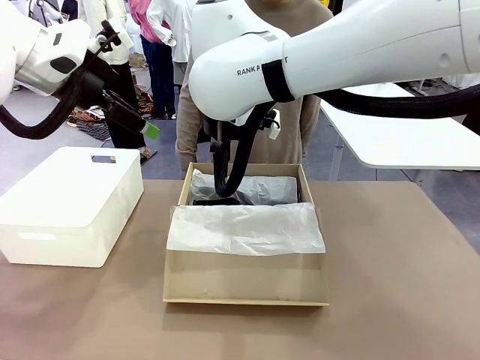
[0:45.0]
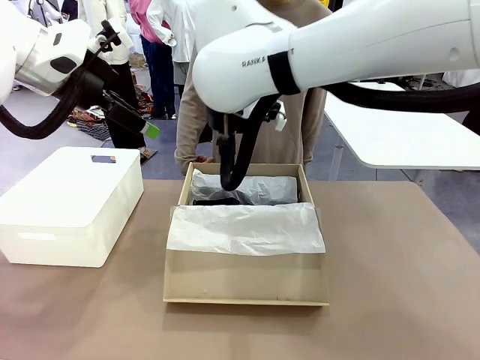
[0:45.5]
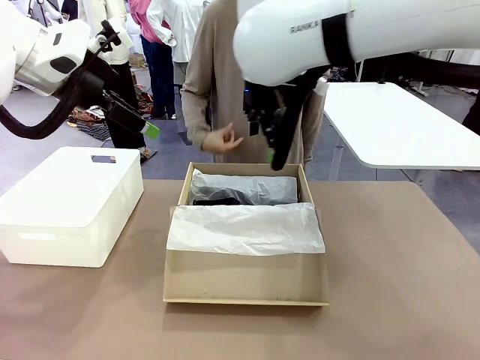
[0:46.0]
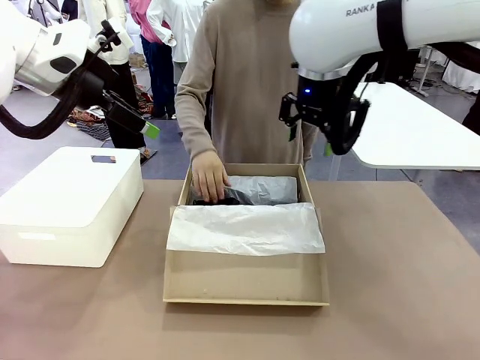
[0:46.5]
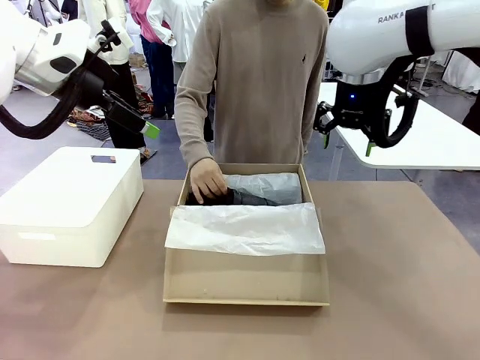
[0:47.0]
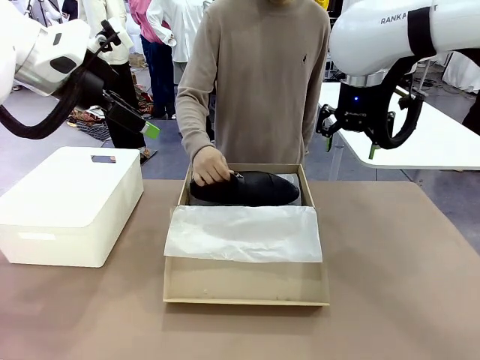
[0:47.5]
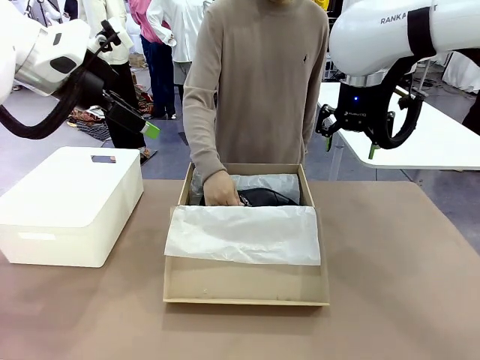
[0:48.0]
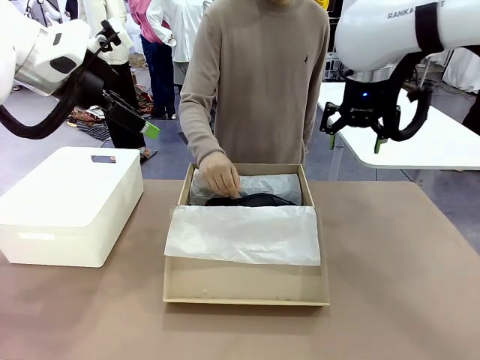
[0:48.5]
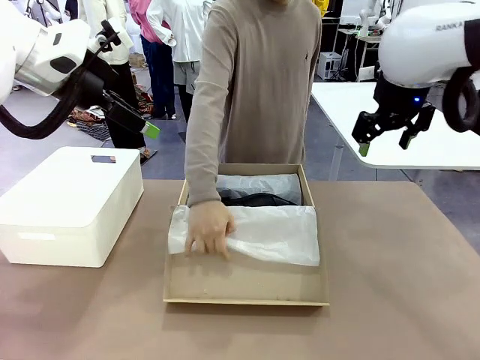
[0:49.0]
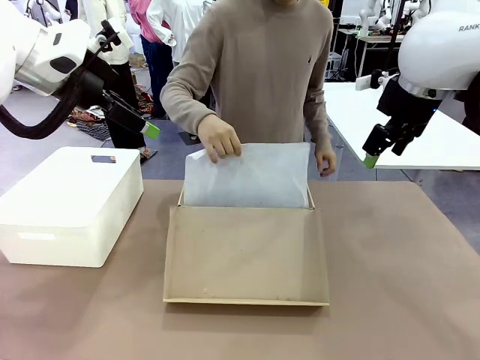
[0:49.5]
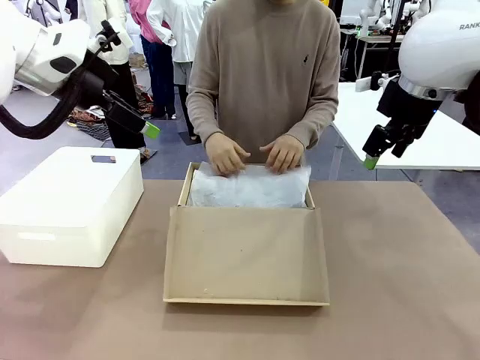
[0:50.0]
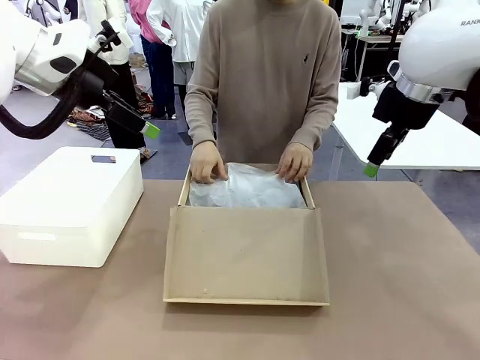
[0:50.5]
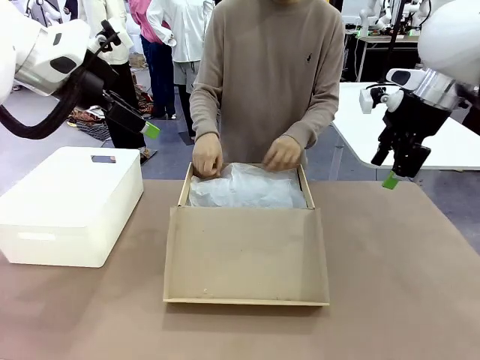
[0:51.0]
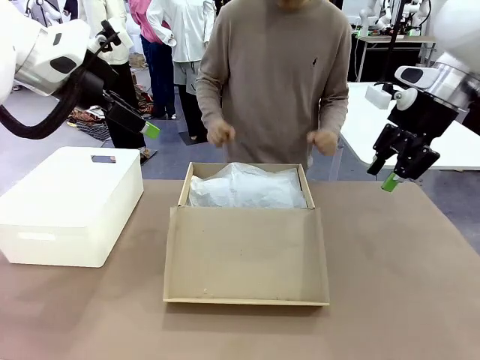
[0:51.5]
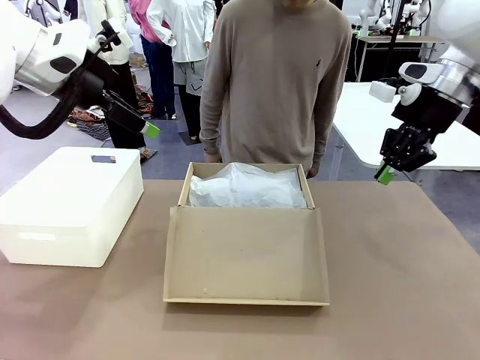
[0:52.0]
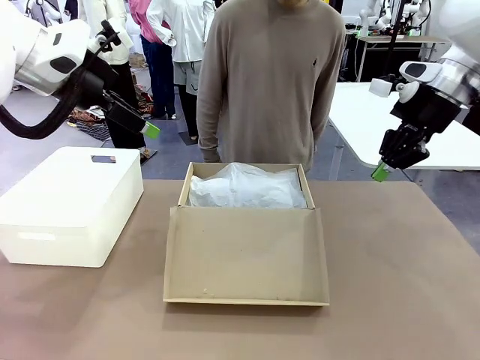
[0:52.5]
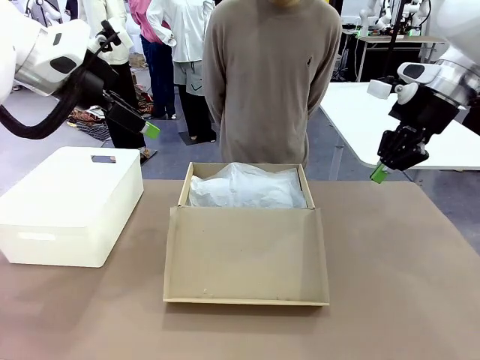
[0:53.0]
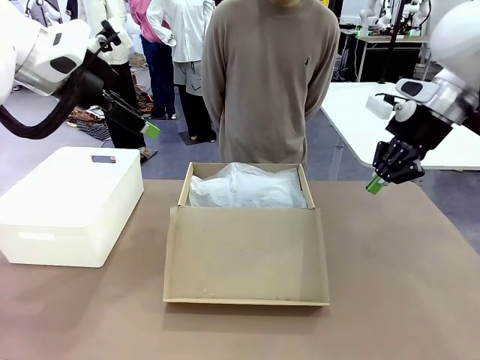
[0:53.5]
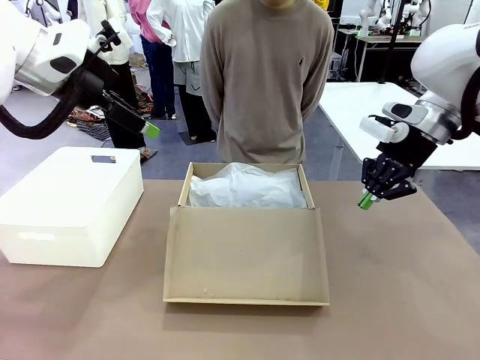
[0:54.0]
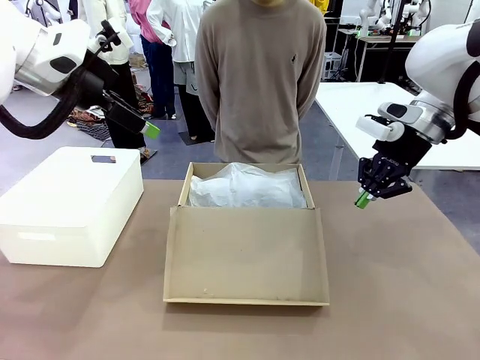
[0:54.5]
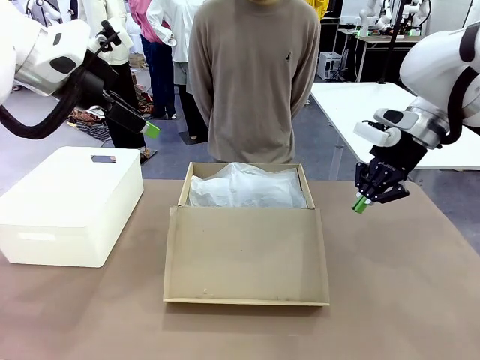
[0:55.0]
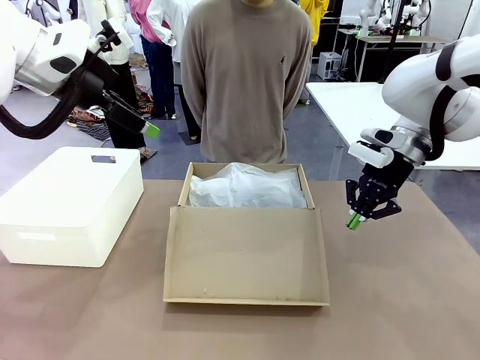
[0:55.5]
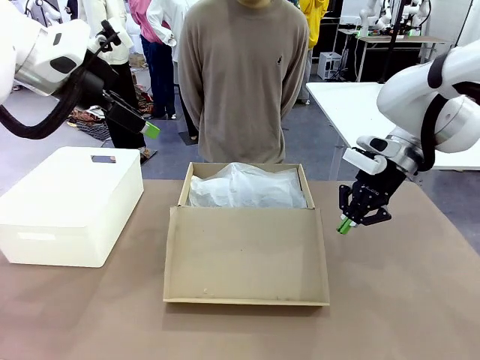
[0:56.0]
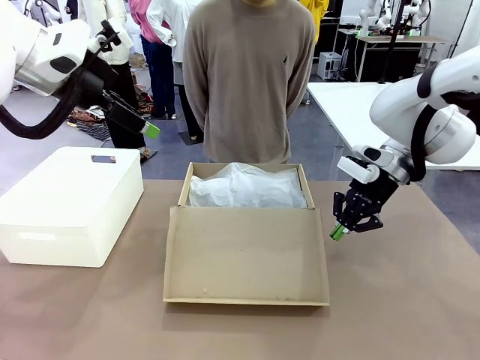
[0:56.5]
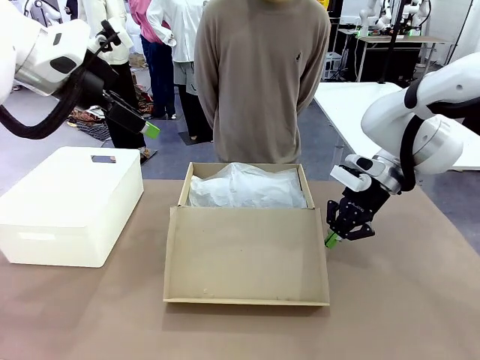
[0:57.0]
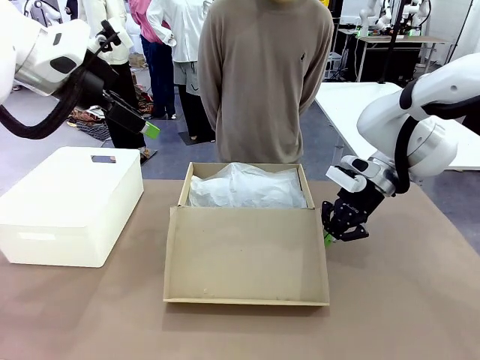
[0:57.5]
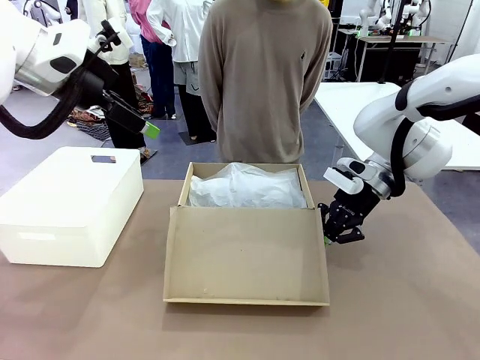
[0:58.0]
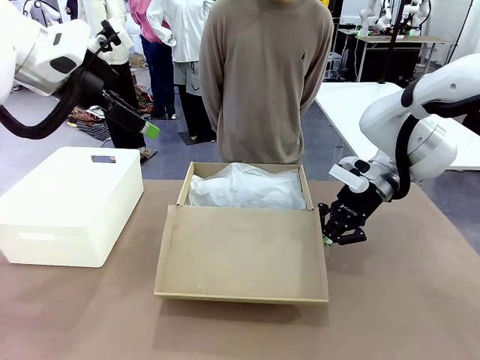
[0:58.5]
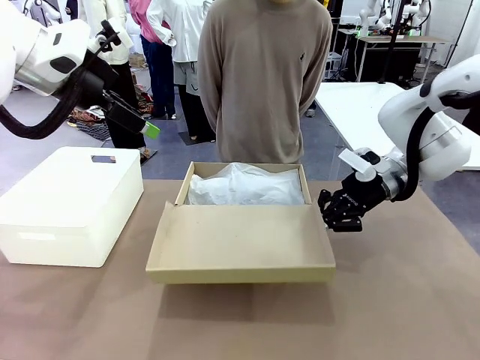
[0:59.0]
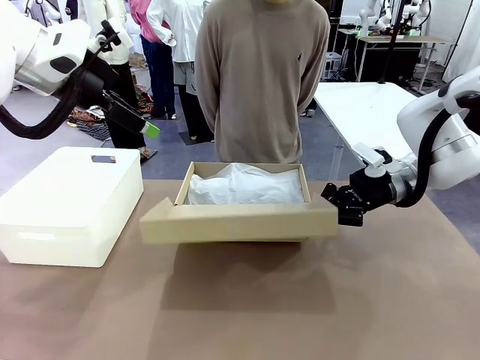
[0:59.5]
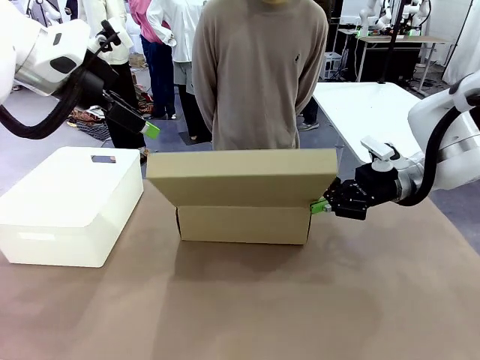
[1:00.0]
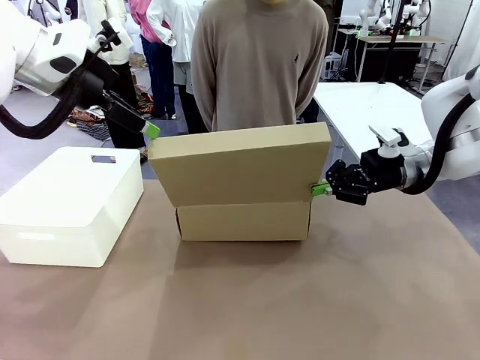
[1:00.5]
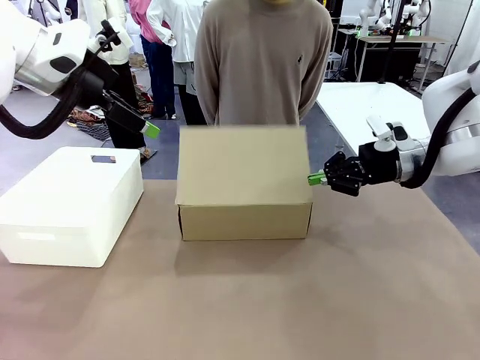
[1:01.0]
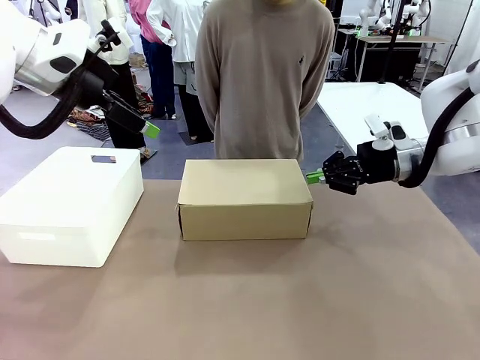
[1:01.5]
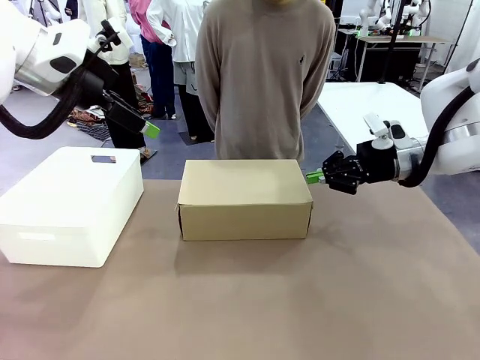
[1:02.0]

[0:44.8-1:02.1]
Task: Pack the shoes into the box.
Robot: Close the Shoes Box.

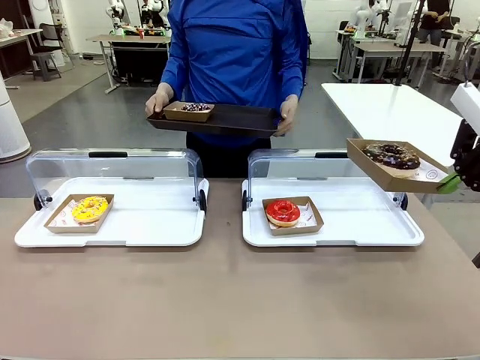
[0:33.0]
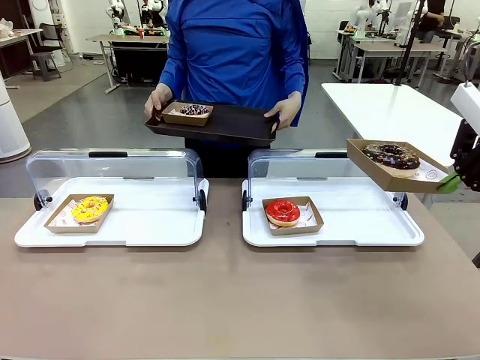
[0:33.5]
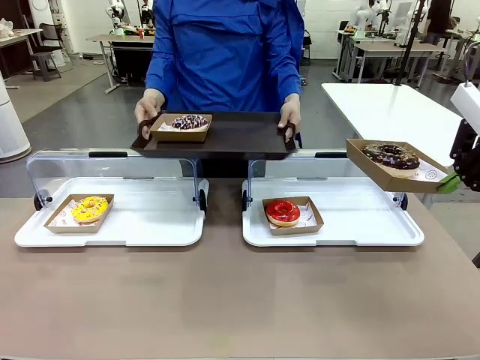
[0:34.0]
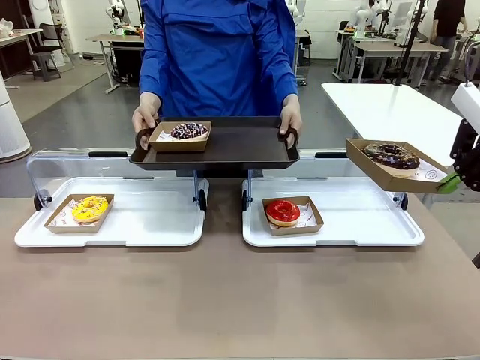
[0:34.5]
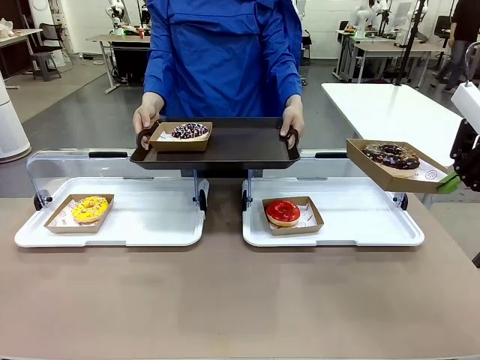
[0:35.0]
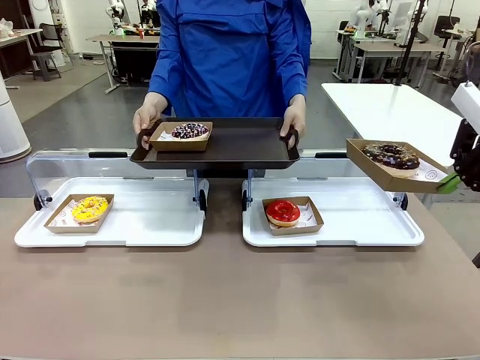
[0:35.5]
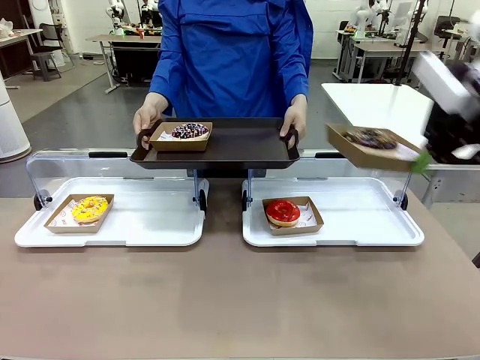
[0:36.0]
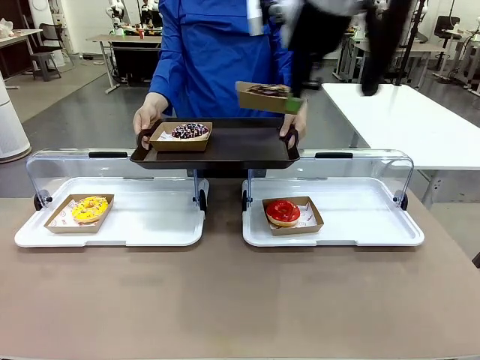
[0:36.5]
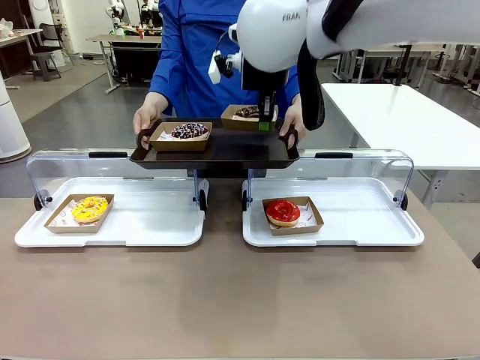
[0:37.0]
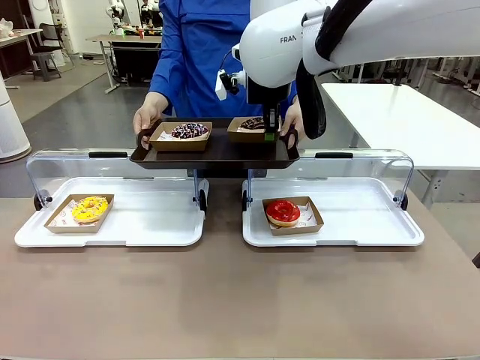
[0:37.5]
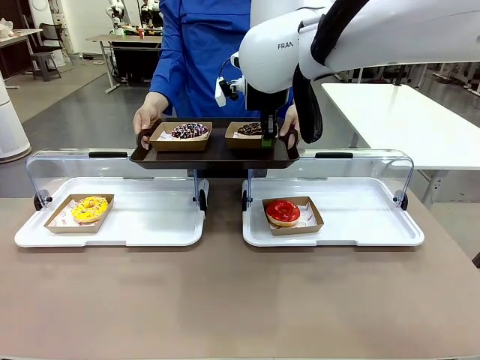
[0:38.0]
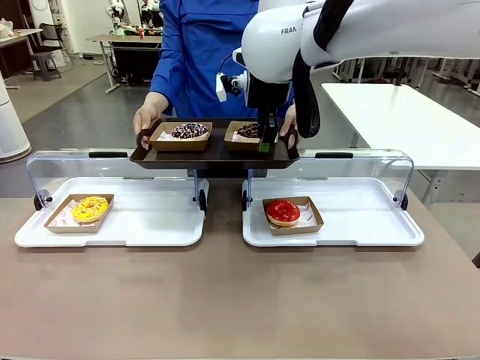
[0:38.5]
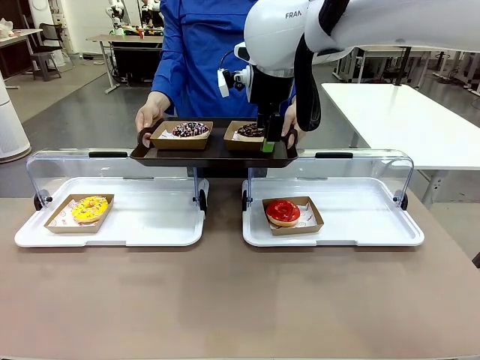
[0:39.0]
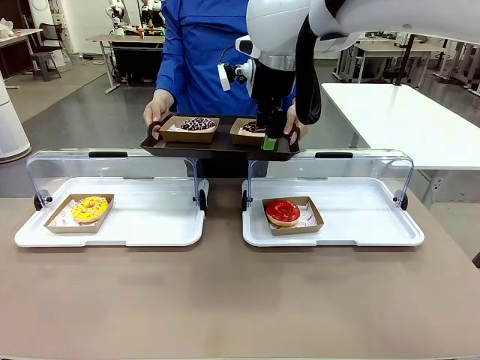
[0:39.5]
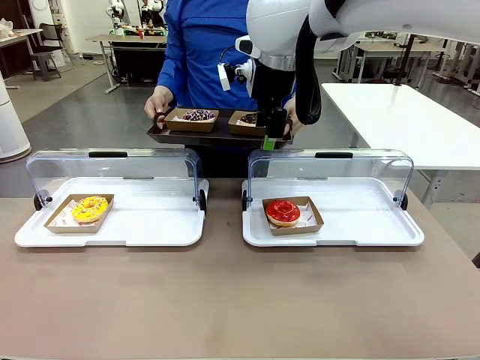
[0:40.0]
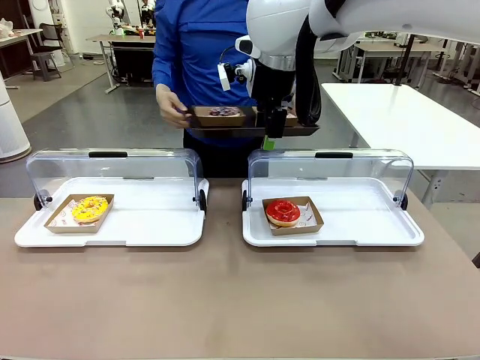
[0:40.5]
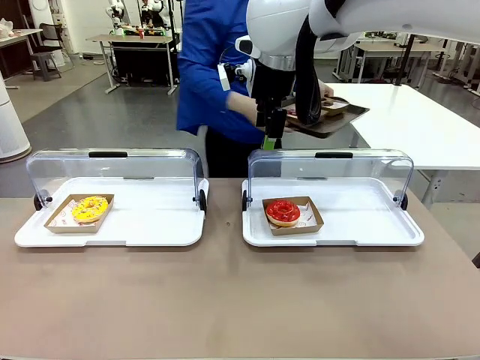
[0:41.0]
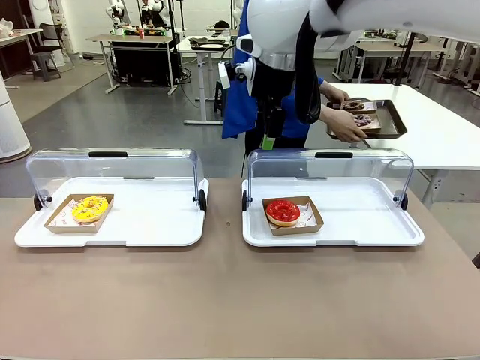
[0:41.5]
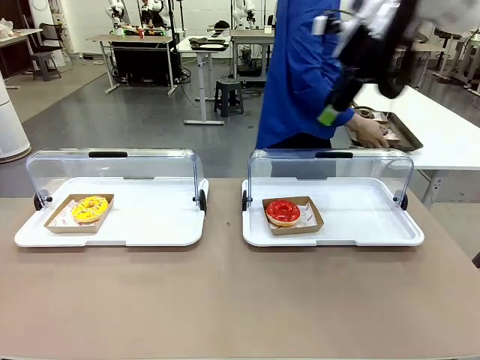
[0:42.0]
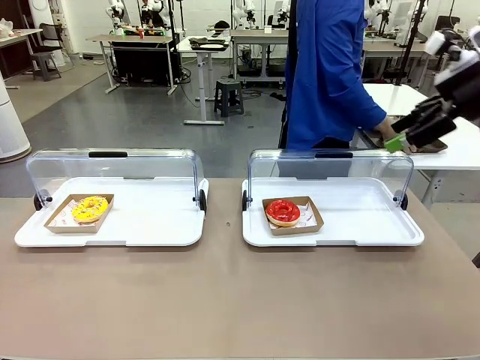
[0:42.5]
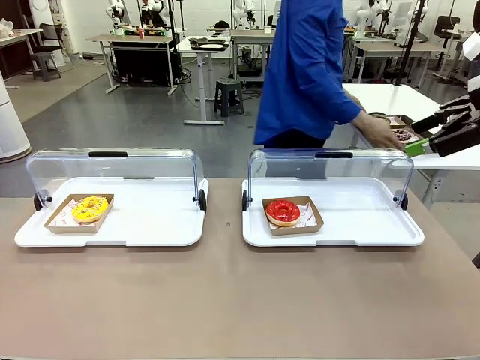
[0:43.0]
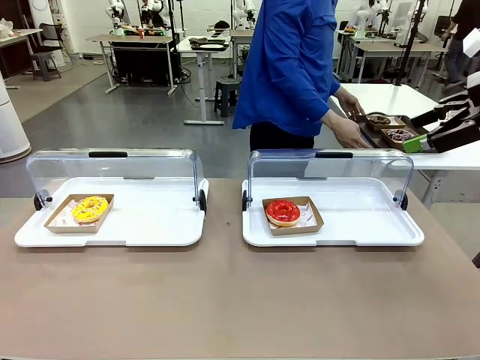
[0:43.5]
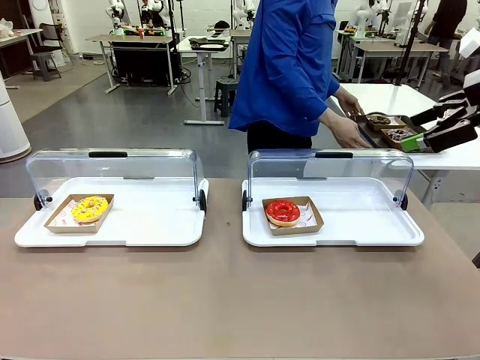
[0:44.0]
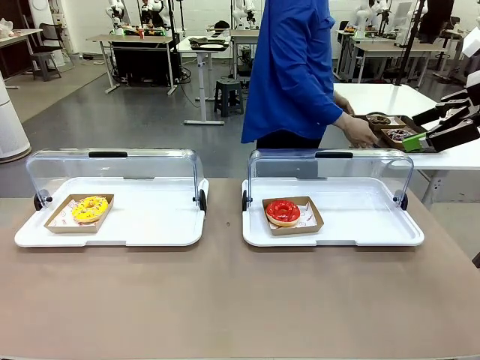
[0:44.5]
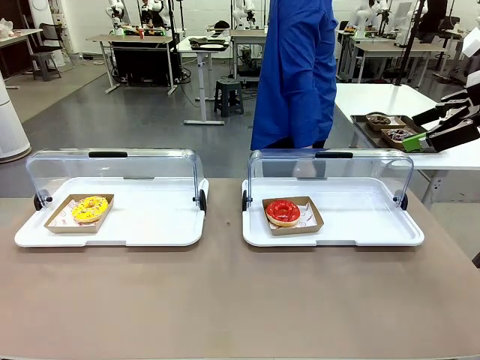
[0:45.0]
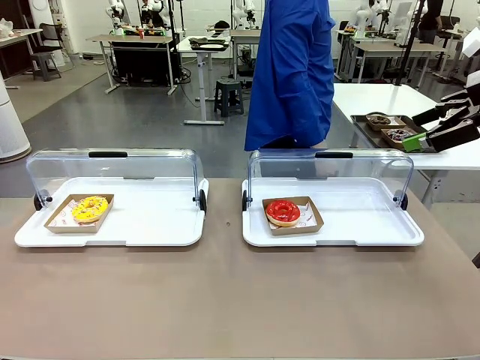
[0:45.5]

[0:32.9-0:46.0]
Task: Provide the desired donut to the person.
Robot: Place the picked Paper togo box onto the Handle tray extended by the person.
Person: Place the tray in the middle of the human table.
